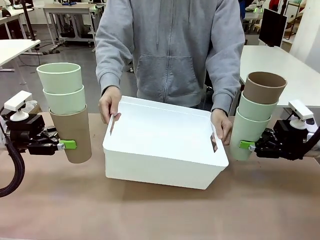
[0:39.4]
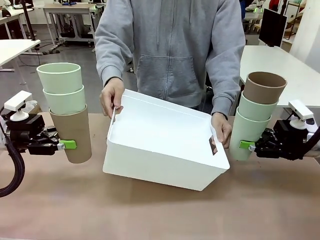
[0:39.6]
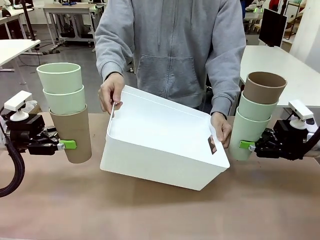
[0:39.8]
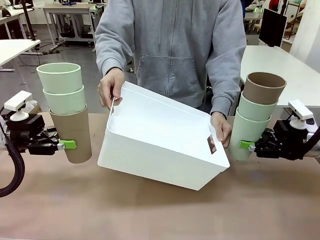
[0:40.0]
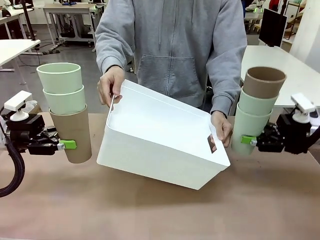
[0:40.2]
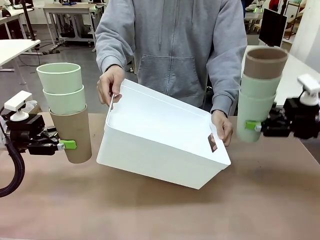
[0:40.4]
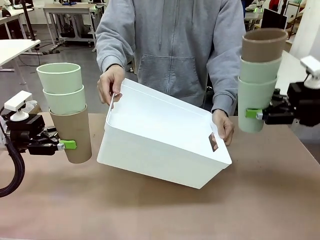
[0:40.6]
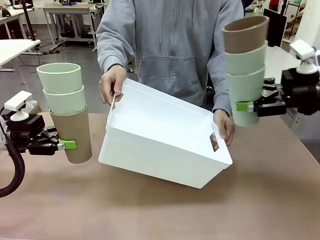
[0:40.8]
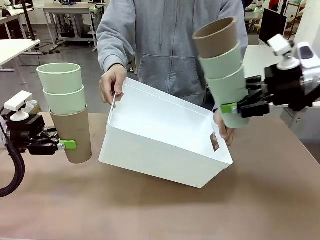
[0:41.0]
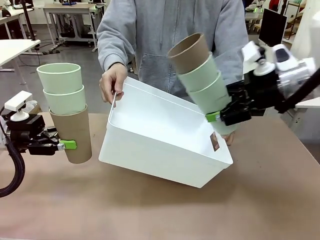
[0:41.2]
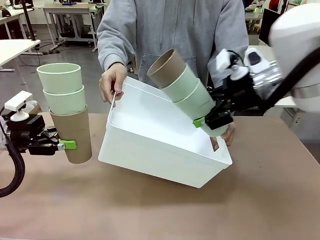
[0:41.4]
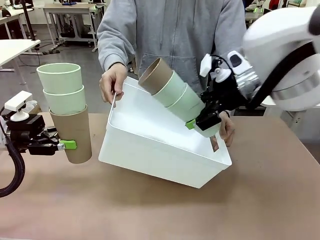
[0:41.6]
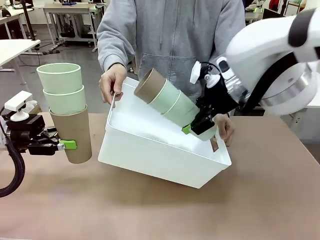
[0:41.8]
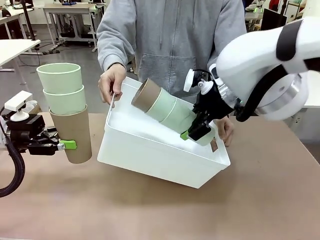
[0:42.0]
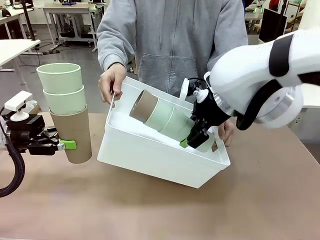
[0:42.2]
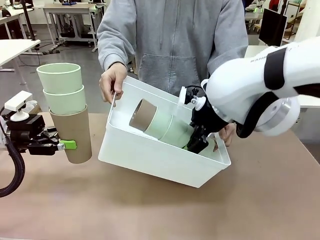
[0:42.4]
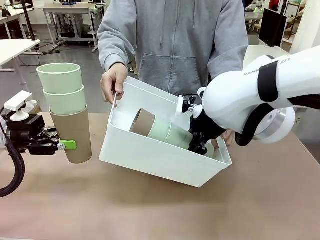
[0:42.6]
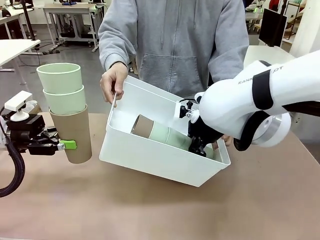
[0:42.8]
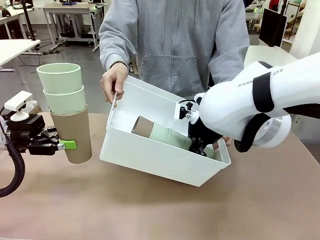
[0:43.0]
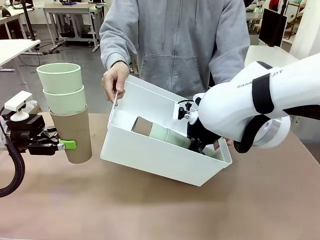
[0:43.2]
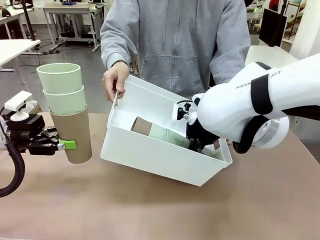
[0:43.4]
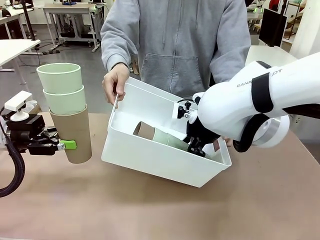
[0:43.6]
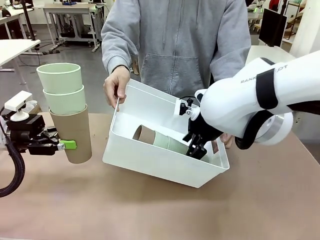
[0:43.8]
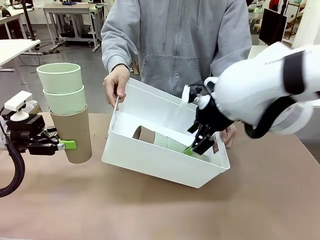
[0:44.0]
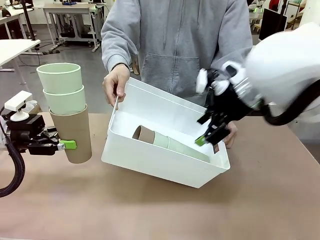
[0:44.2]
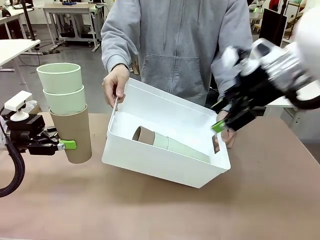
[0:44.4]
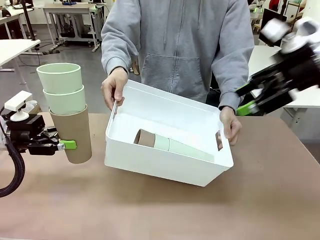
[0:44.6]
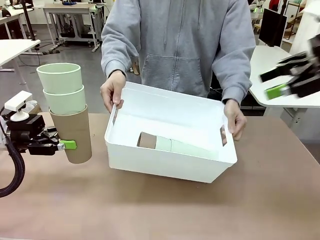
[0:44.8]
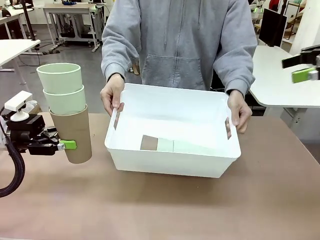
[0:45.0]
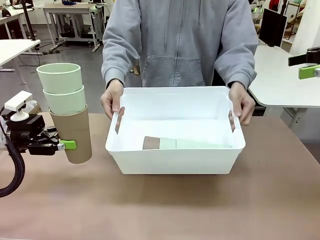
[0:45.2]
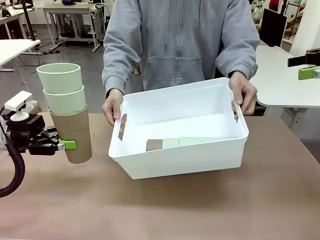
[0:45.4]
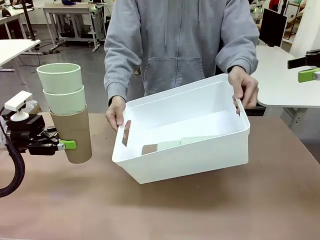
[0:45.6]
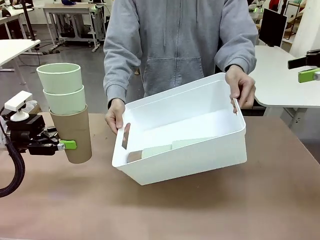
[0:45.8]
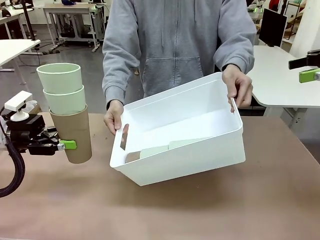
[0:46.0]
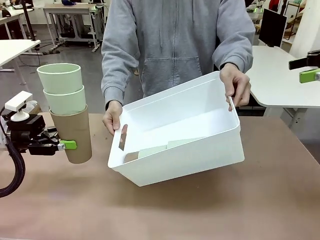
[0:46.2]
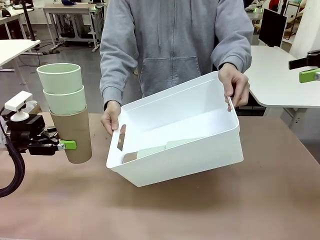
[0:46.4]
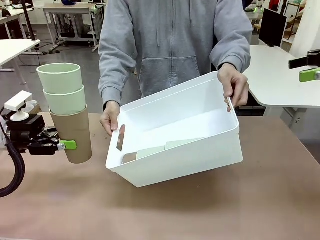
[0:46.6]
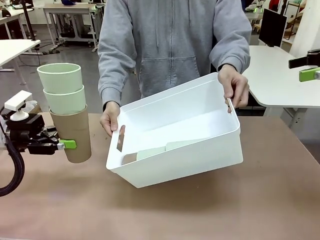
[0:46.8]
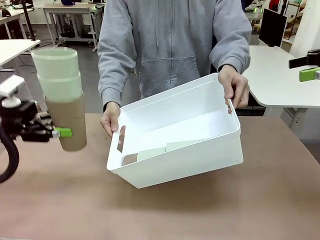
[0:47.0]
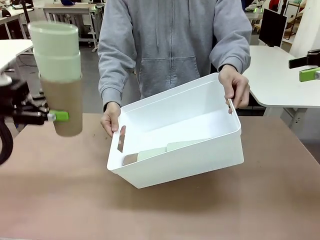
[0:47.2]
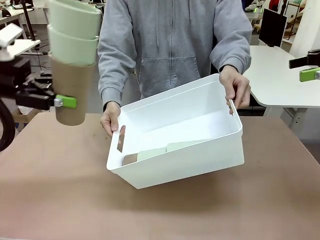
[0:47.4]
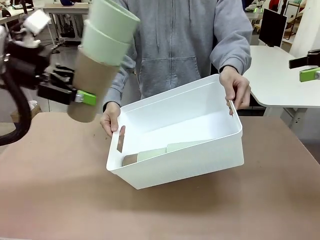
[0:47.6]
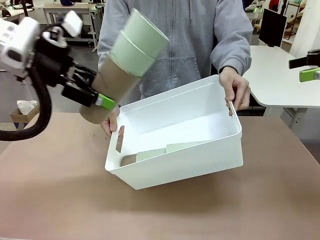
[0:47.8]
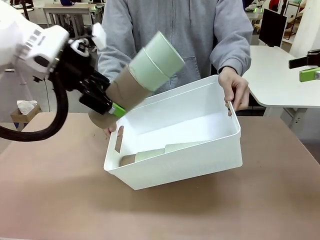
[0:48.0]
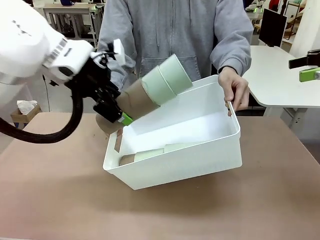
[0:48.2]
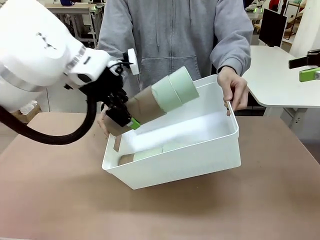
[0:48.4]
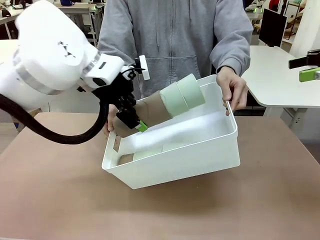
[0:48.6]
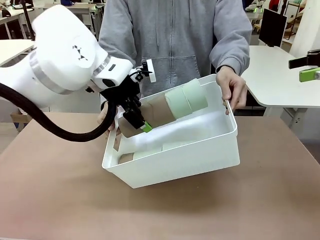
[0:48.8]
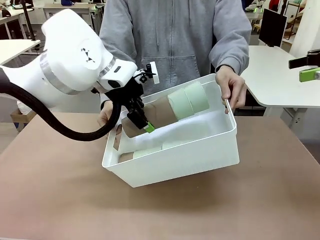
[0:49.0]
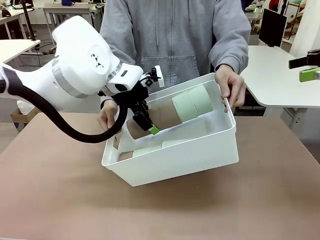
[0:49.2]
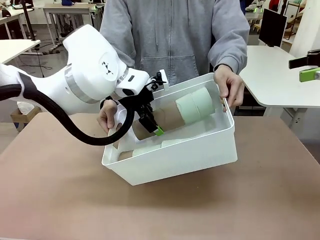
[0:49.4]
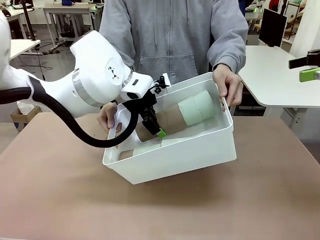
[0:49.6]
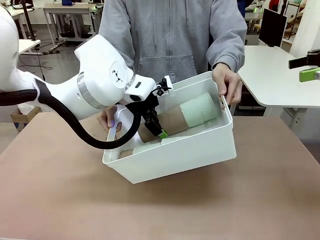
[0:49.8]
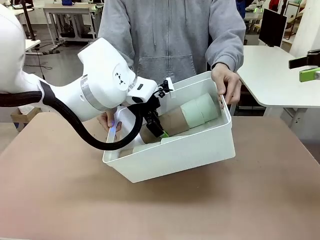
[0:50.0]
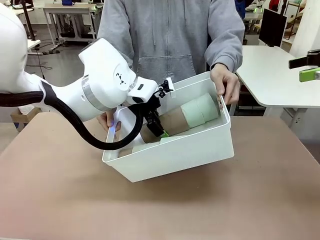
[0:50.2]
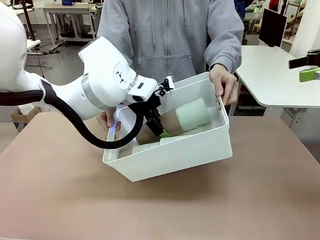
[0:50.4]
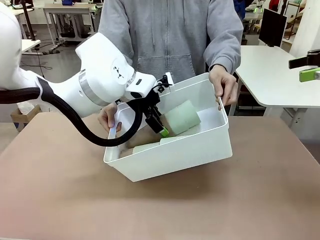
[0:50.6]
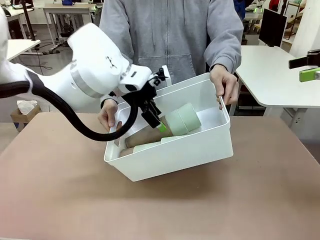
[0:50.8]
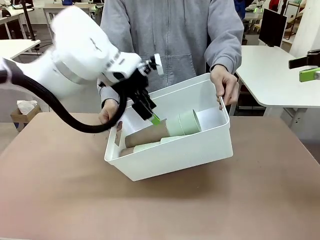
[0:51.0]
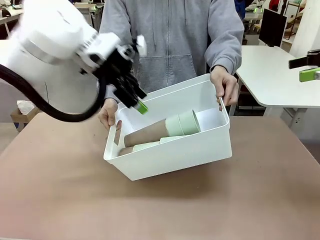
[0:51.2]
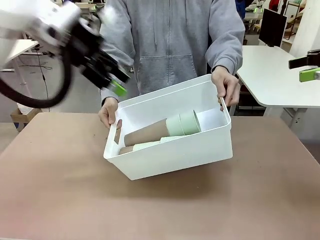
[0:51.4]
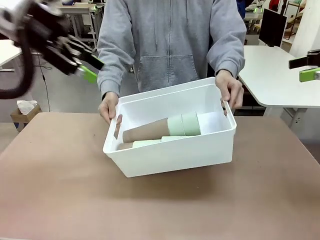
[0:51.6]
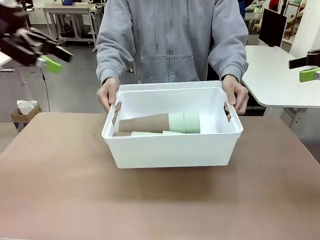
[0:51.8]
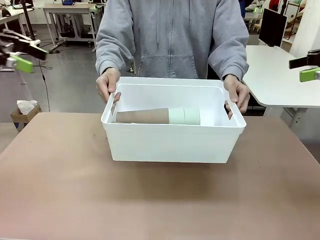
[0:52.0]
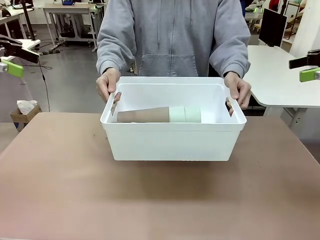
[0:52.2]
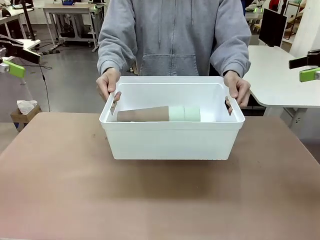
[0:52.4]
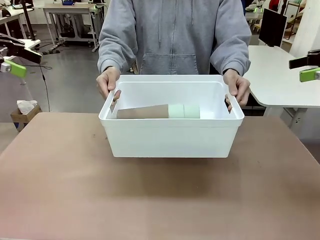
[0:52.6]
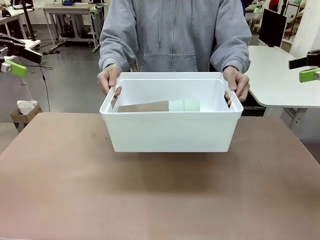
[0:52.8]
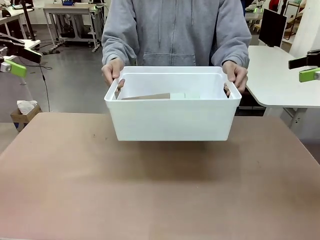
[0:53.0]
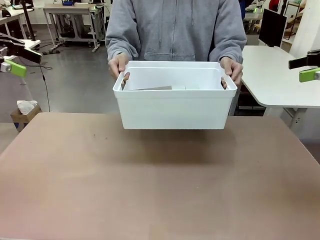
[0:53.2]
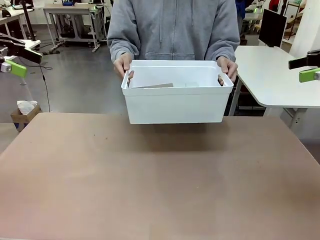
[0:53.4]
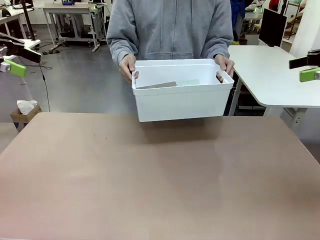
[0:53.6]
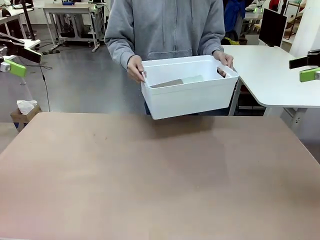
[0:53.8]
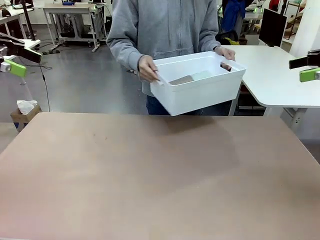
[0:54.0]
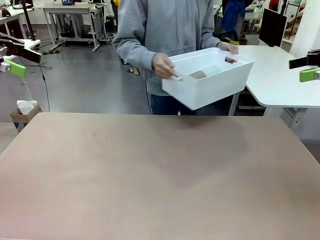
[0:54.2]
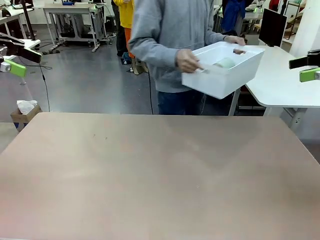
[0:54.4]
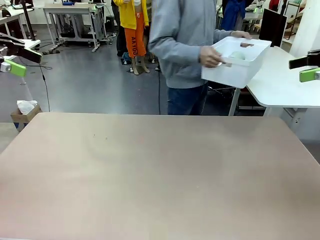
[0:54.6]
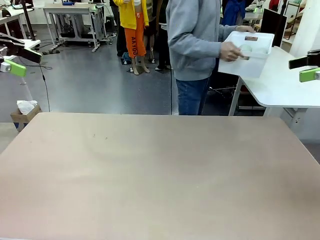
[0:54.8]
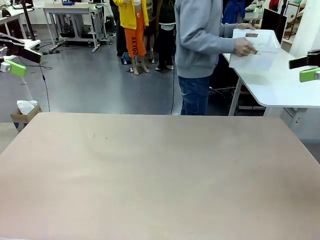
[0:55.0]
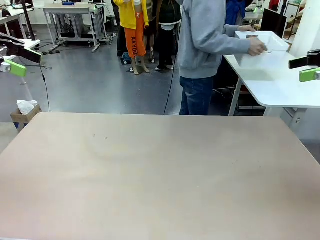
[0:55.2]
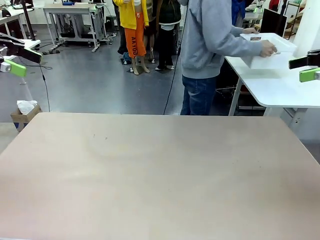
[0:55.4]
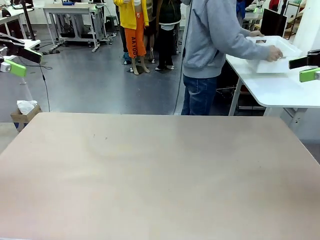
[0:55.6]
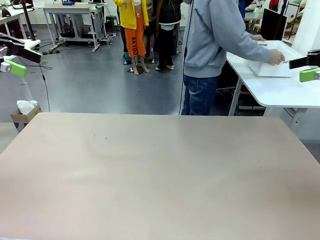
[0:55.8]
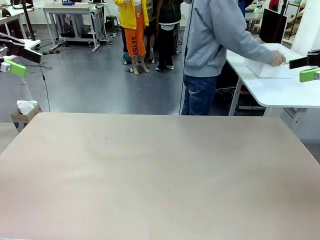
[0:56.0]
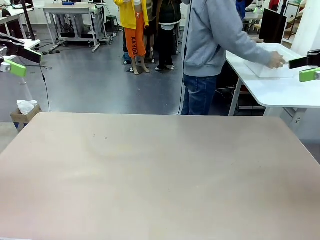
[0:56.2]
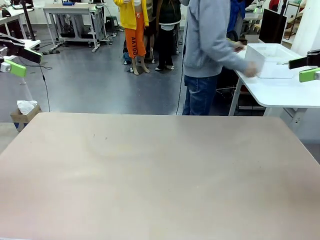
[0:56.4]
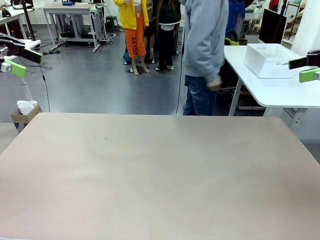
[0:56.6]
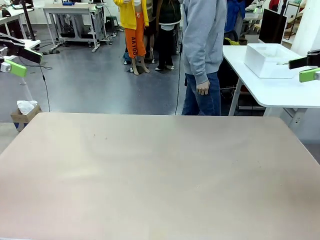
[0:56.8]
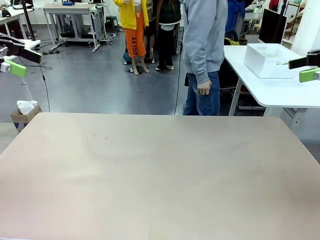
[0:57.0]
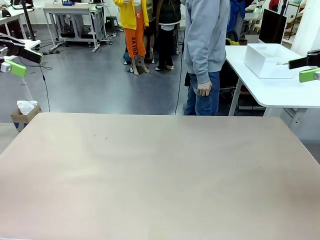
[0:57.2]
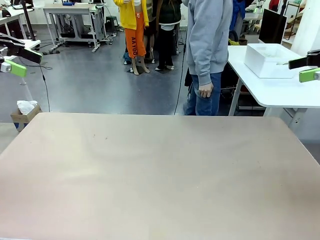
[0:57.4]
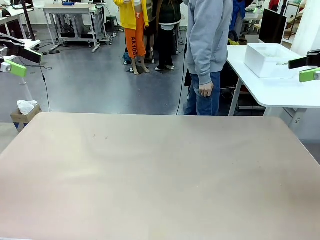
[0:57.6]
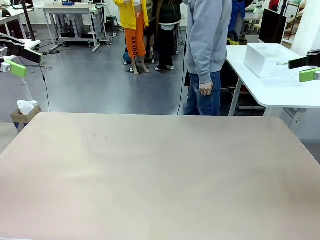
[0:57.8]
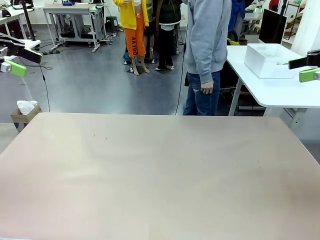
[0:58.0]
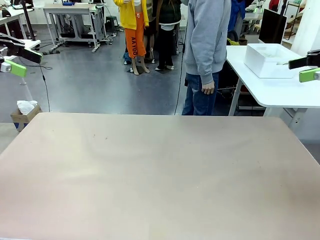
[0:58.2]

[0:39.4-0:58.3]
Task: Stack the cups and store them in the basket.
Robot: Place the stack of Reusable plastic cups into the Pantry Basket.
Person: Place the basket containing the cups in the middle of the Human Table.
